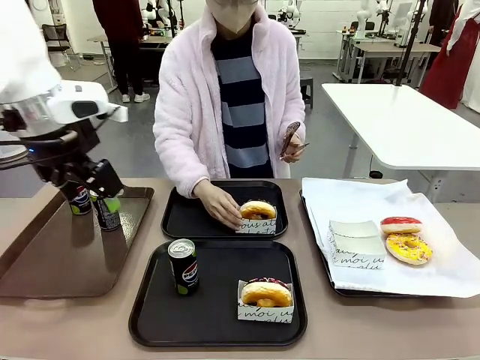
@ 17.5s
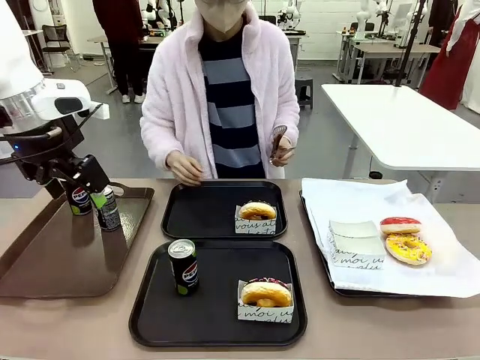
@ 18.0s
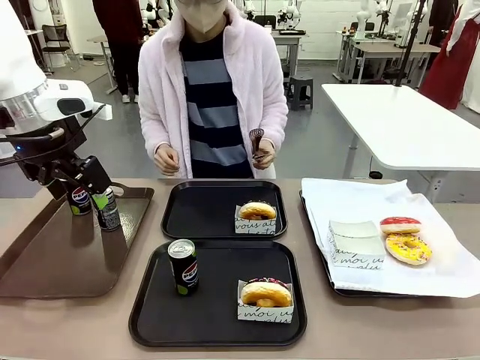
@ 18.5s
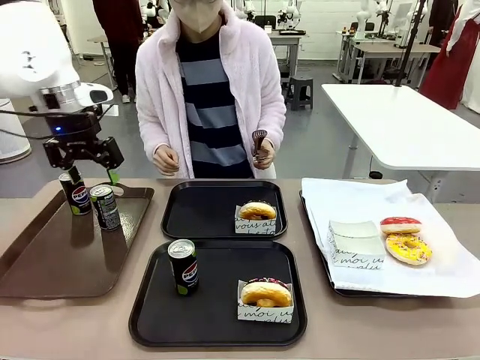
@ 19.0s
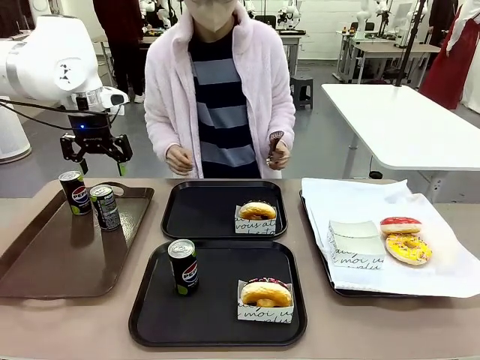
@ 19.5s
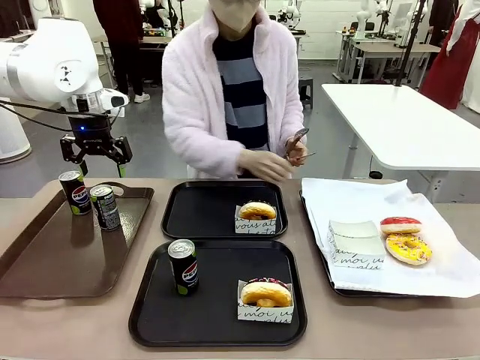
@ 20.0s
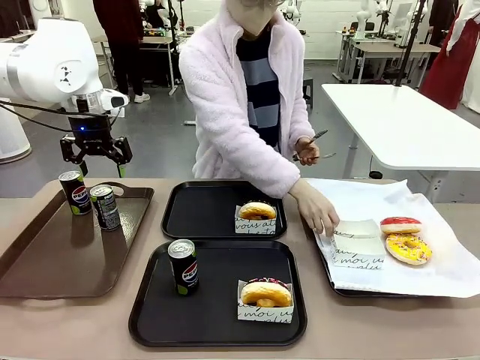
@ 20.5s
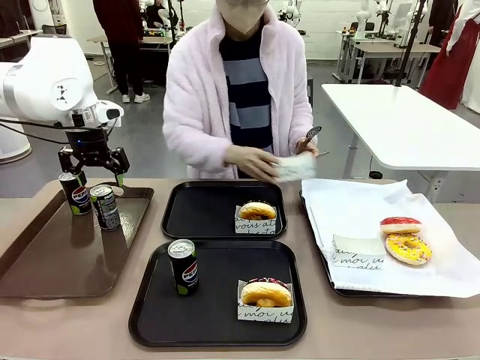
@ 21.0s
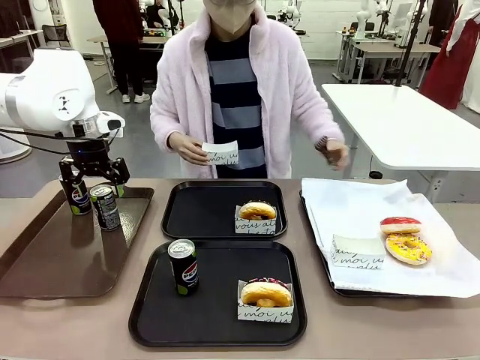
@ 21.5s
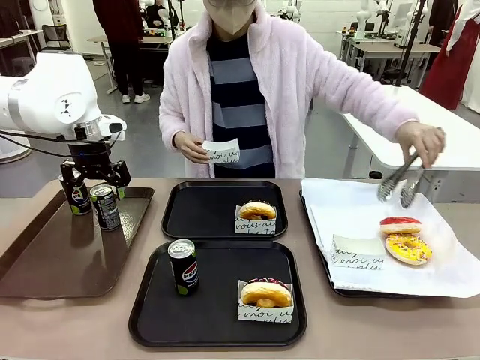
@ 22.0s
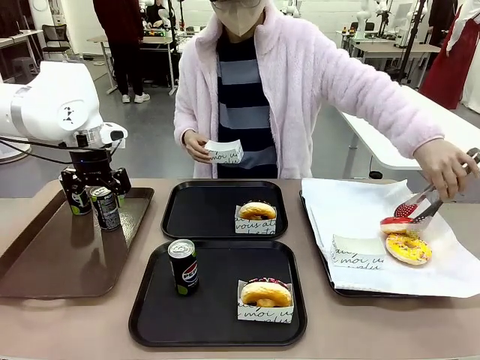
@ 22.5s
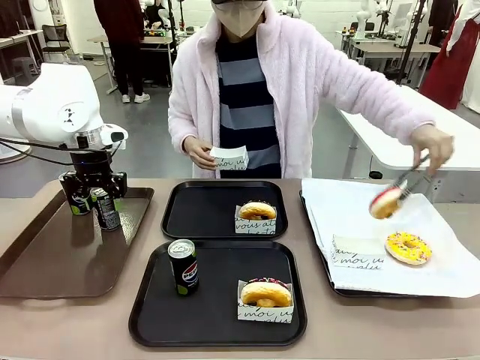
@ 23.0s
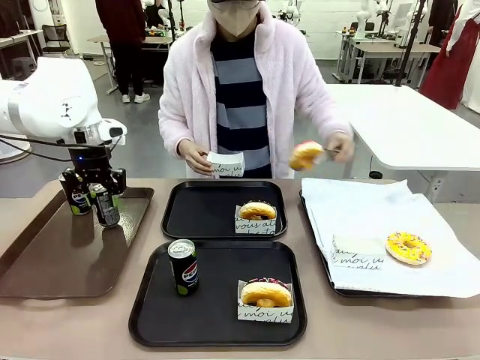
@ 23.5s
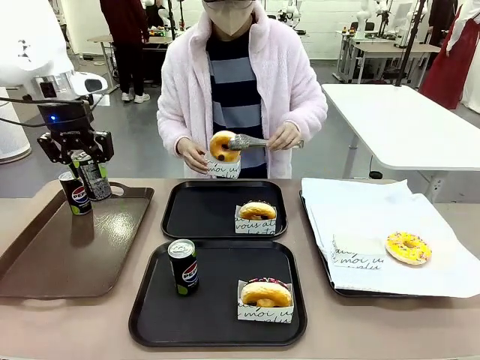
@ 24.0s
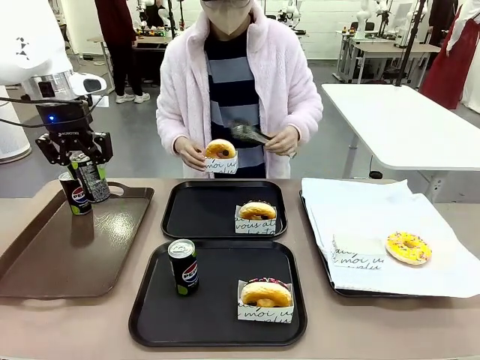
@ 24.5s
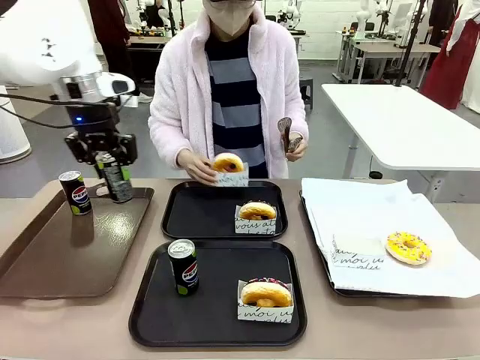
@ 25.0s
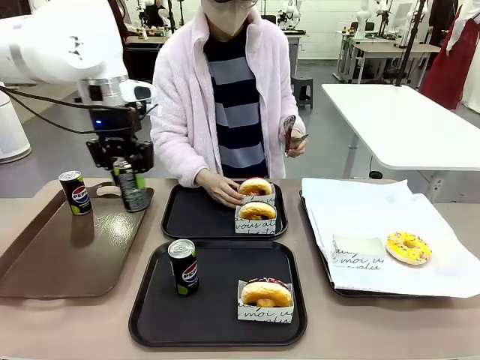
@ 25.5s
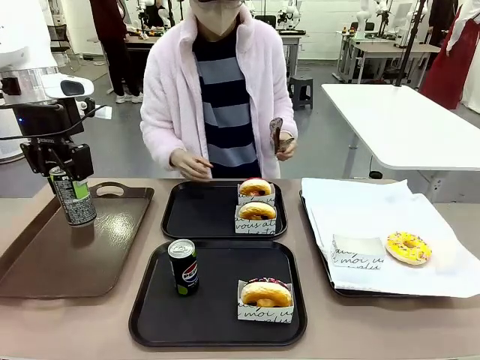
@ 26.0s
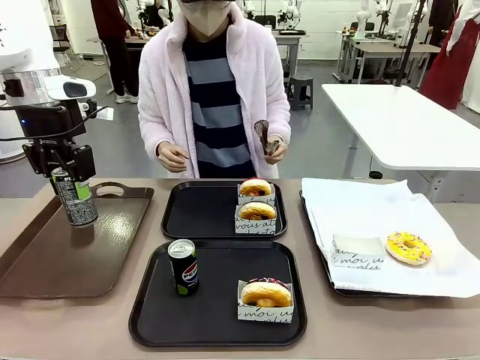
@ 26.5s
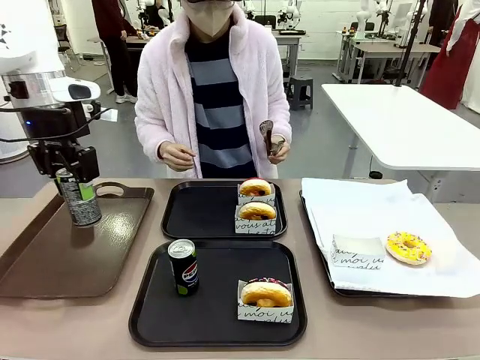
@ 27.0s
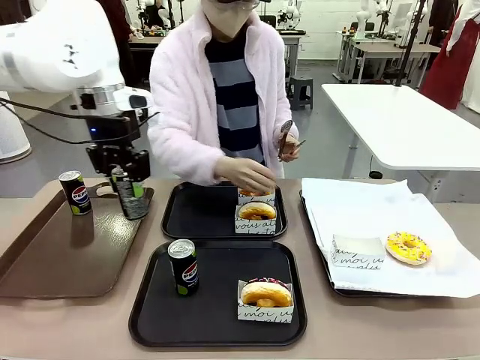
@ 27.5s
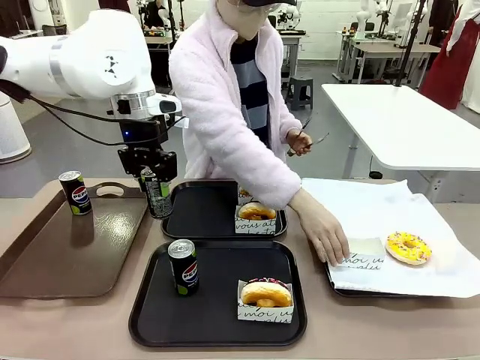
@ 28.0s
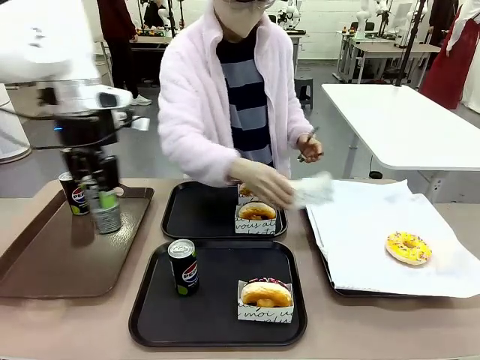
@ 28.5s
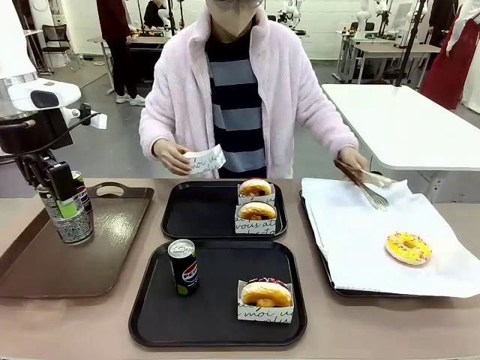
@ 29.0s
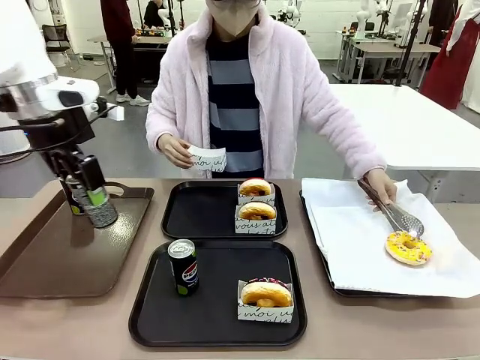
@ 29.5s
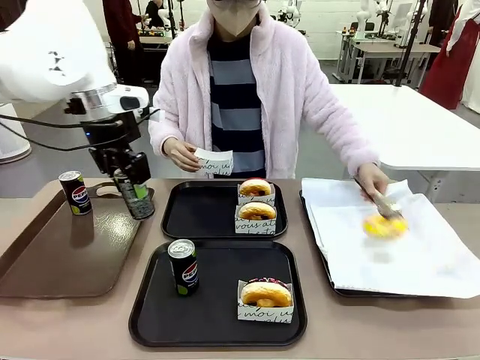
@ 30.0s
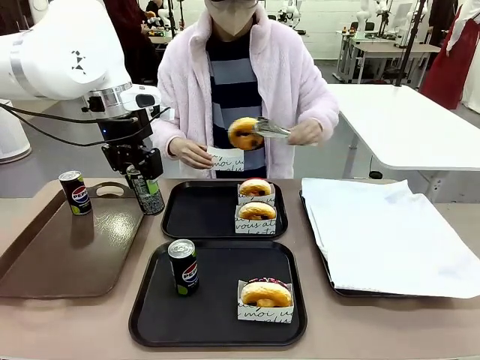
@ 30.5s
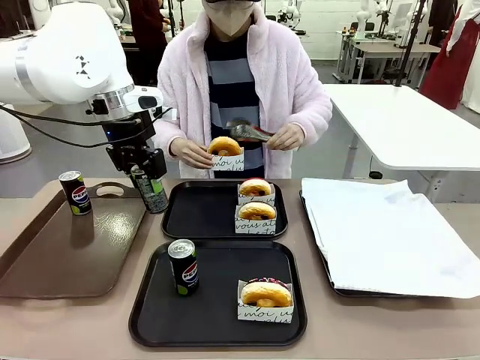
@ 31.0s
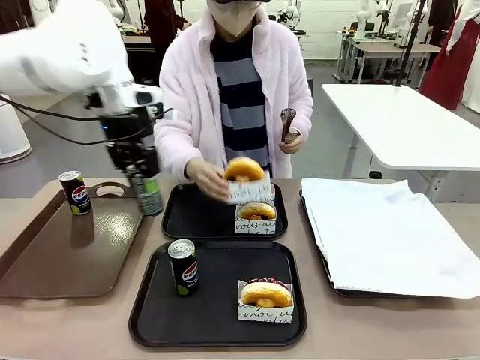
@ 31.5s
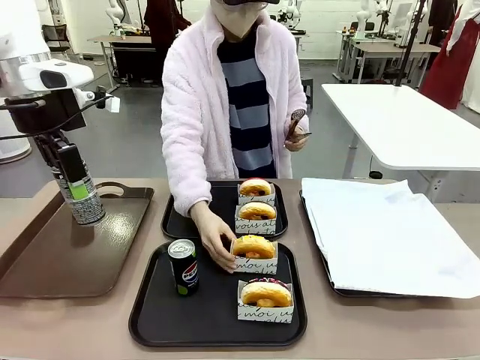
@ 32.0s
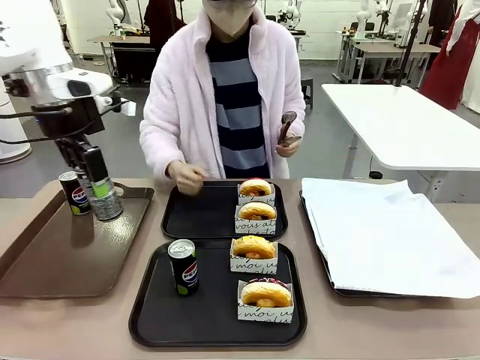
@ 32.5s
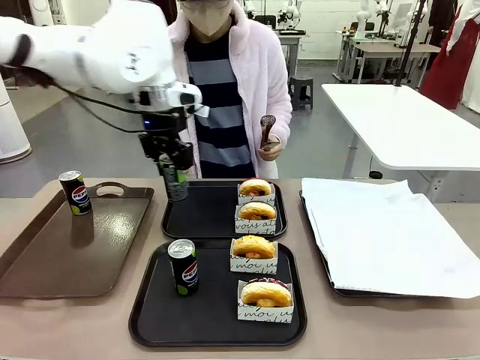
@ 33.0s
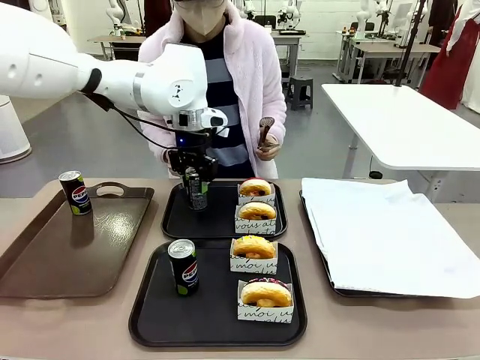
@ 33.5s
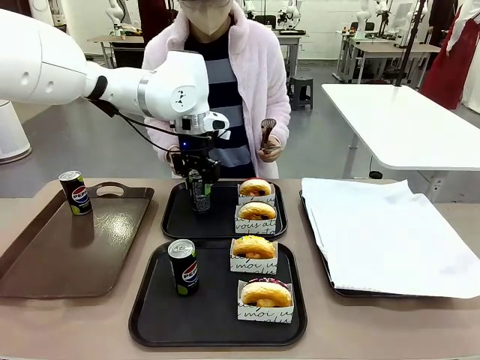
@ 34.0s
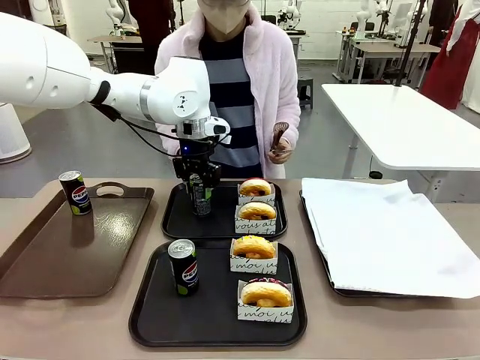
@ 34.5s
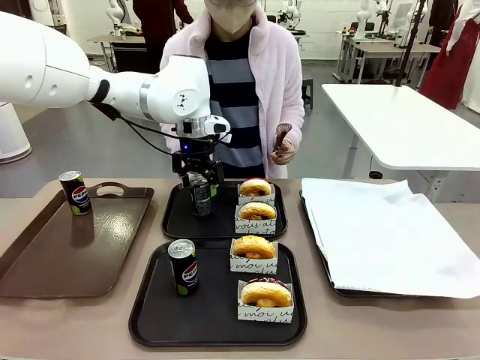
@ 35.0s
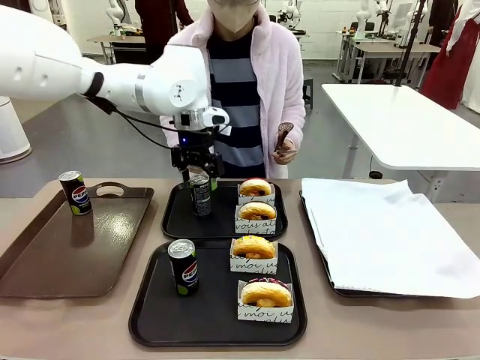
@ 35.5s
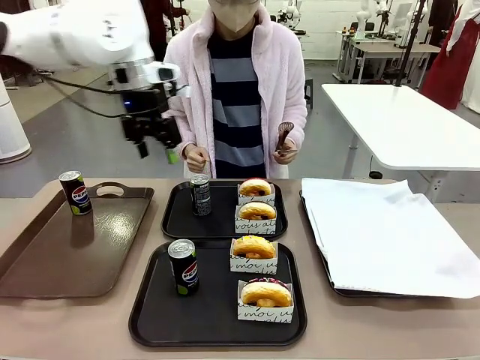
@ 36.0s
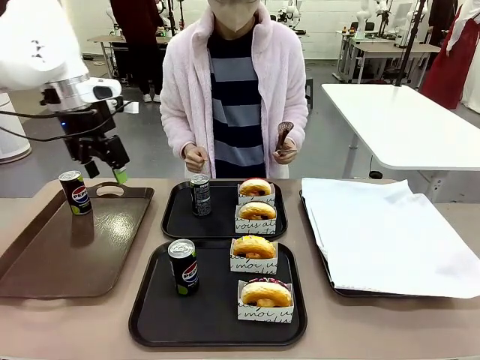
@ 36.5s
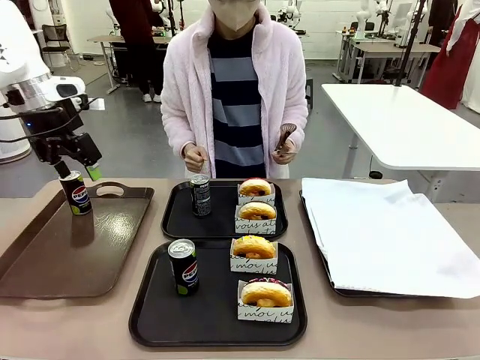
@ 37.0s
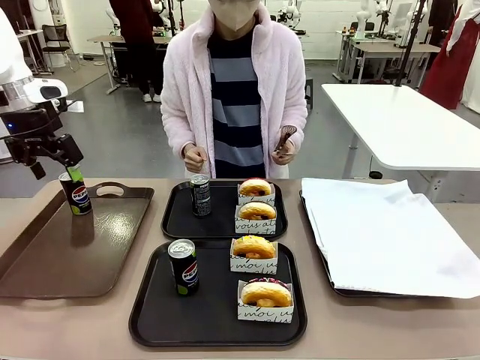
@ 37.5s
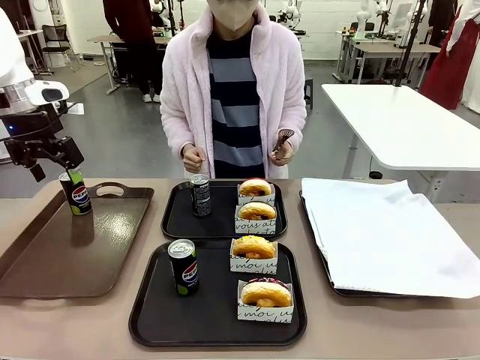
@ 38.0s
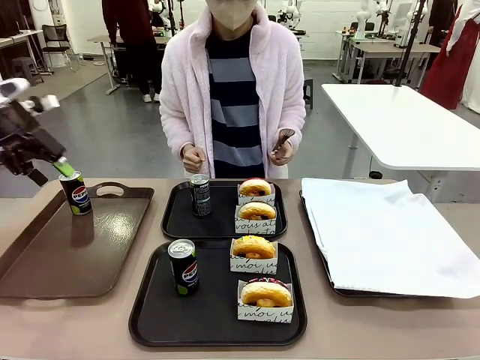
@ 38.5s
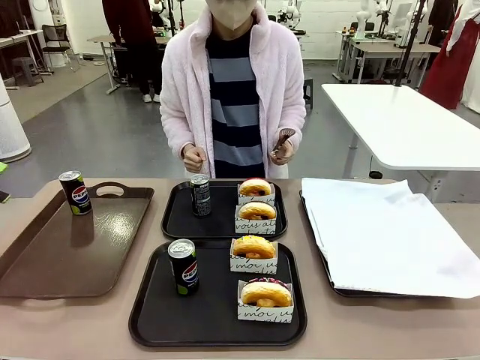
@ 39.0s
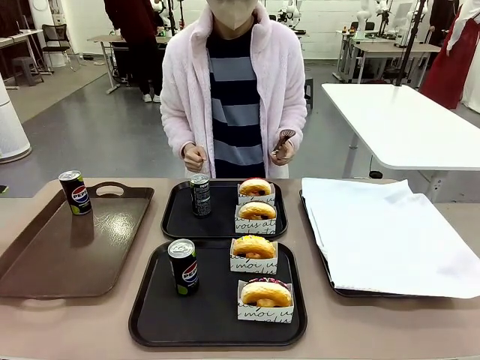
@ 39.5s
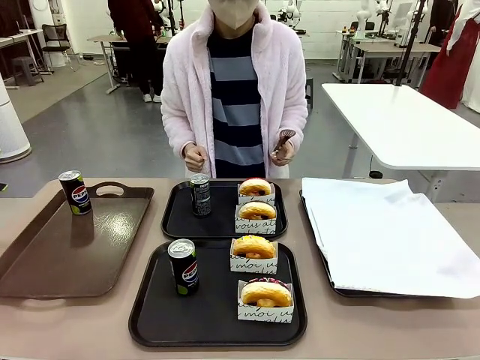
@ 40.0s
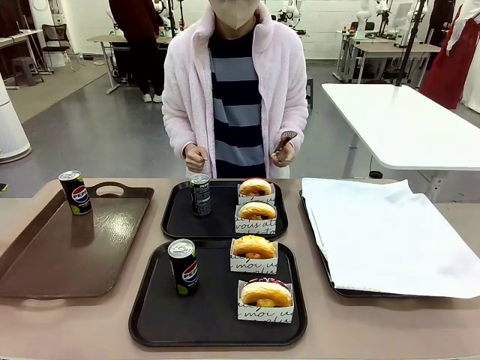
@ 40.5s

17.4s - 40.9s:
Task: Set up donuts and drinks on trays.
Robot: Pick up one Pepsi coke from the Handle tray and place it on the Flat Tray without a Pepsi coke.
Person: Pick up one donut with tongs, place it in the donut tray, and then place the donut tray on the flat tray.
